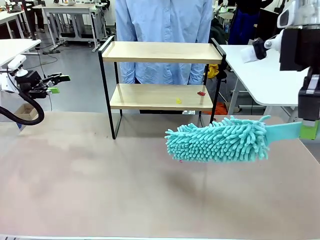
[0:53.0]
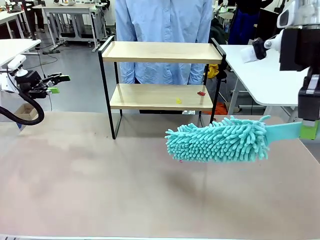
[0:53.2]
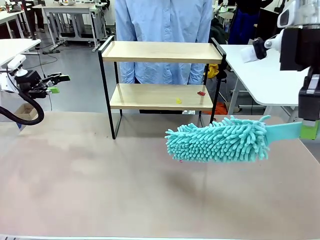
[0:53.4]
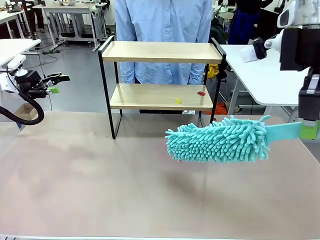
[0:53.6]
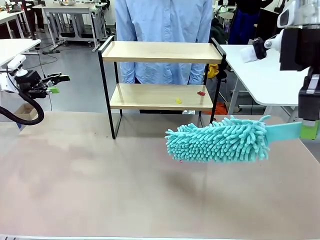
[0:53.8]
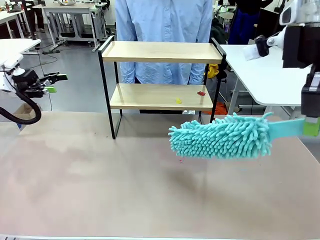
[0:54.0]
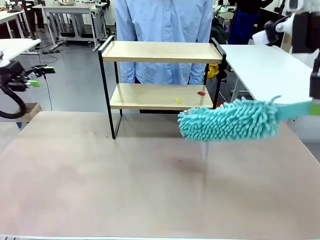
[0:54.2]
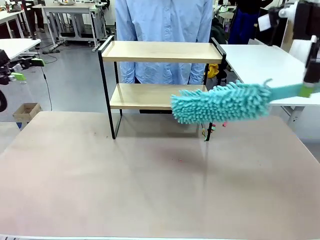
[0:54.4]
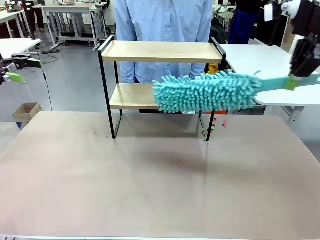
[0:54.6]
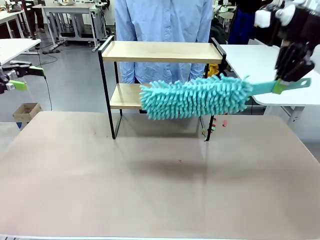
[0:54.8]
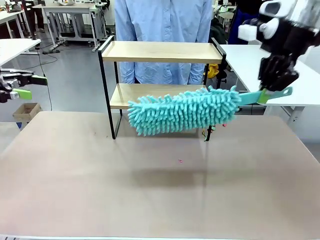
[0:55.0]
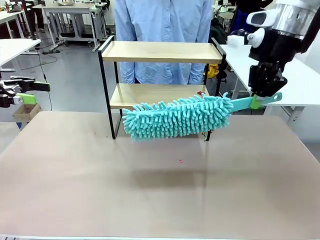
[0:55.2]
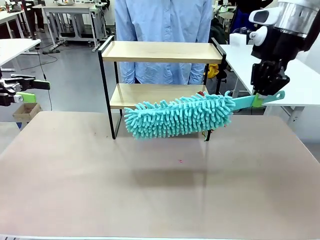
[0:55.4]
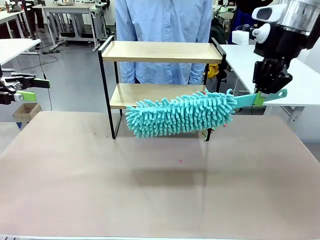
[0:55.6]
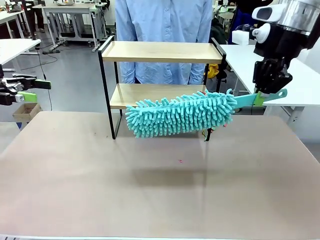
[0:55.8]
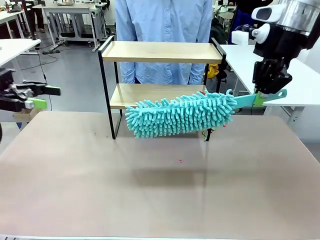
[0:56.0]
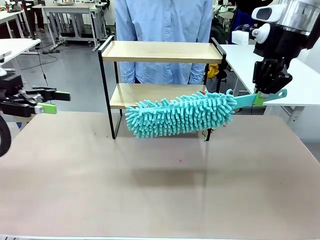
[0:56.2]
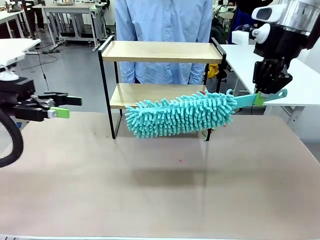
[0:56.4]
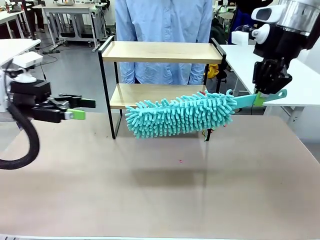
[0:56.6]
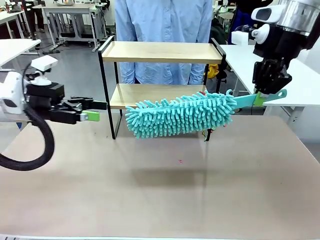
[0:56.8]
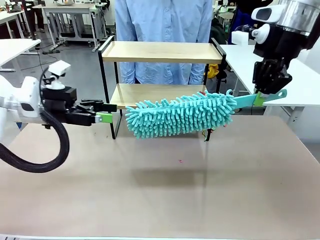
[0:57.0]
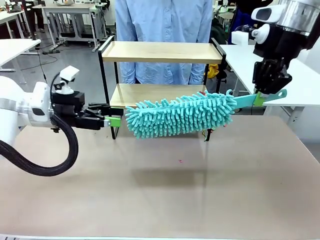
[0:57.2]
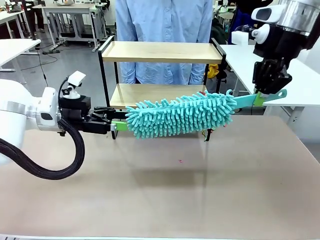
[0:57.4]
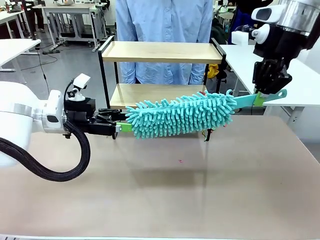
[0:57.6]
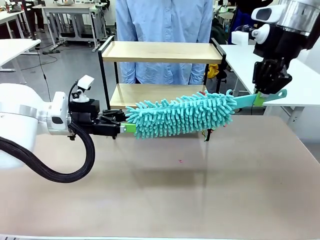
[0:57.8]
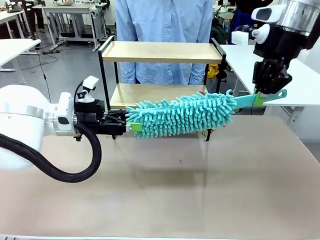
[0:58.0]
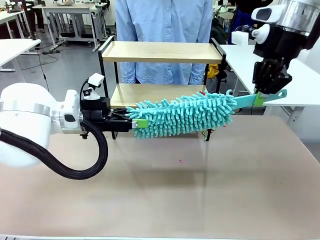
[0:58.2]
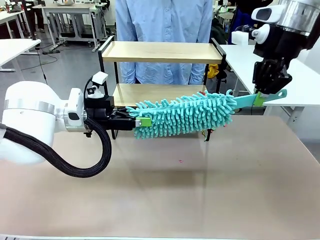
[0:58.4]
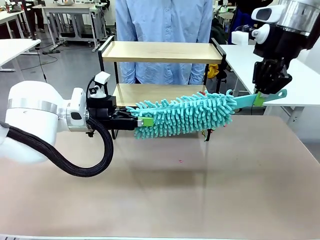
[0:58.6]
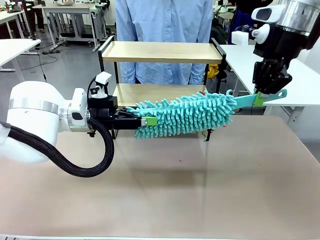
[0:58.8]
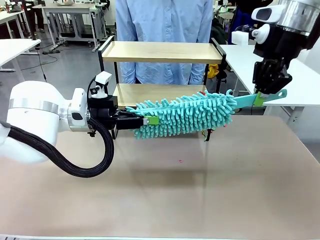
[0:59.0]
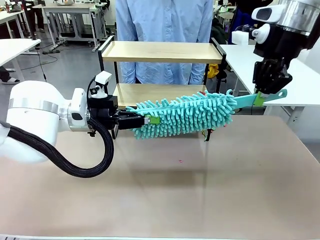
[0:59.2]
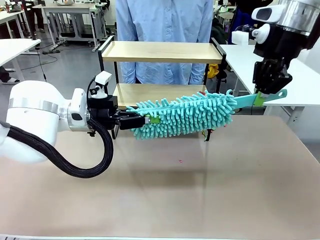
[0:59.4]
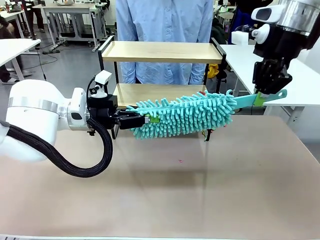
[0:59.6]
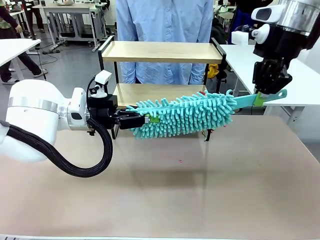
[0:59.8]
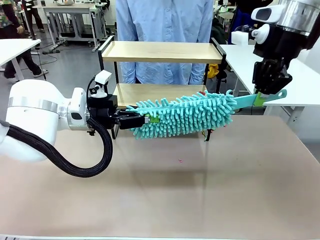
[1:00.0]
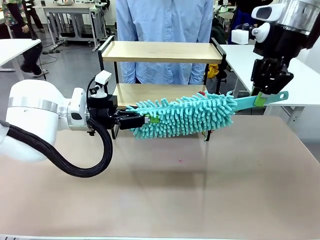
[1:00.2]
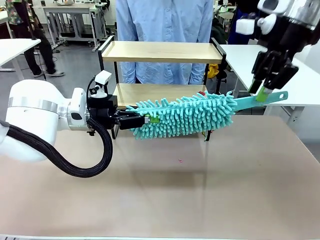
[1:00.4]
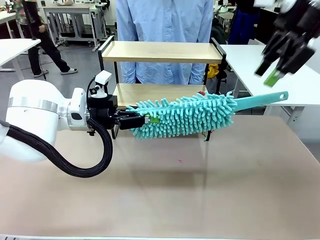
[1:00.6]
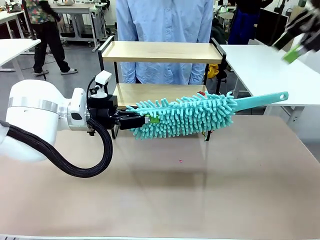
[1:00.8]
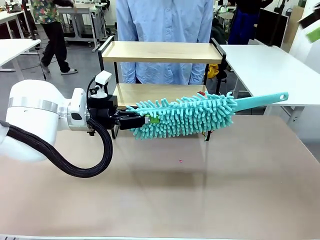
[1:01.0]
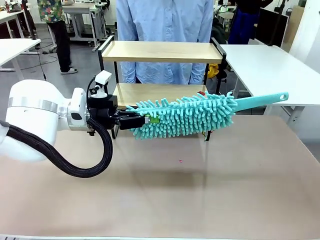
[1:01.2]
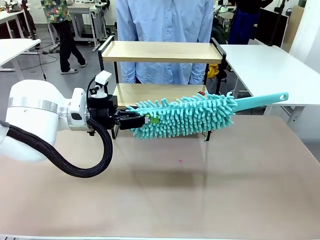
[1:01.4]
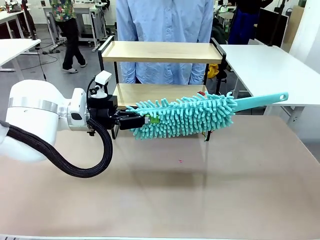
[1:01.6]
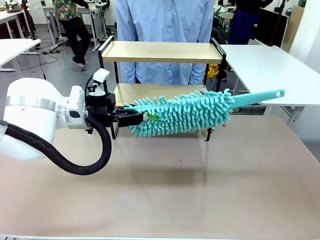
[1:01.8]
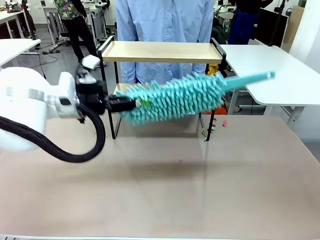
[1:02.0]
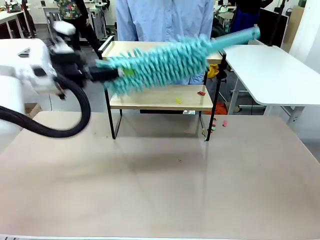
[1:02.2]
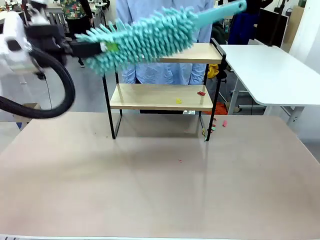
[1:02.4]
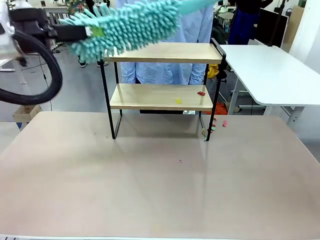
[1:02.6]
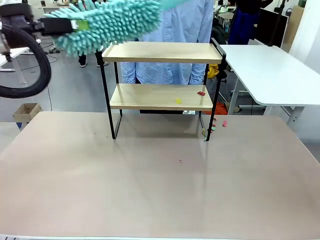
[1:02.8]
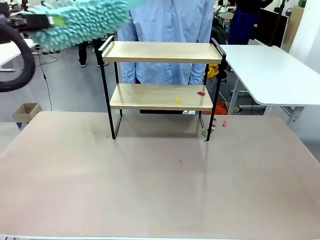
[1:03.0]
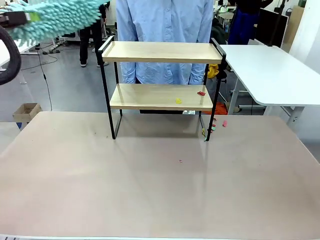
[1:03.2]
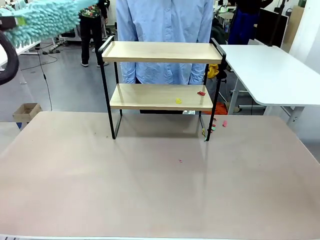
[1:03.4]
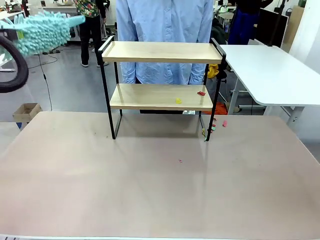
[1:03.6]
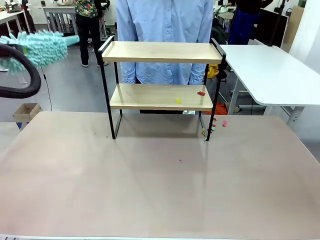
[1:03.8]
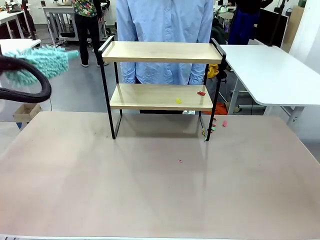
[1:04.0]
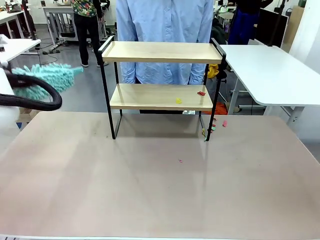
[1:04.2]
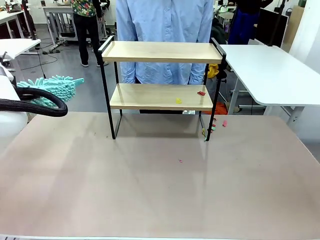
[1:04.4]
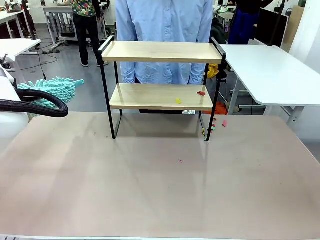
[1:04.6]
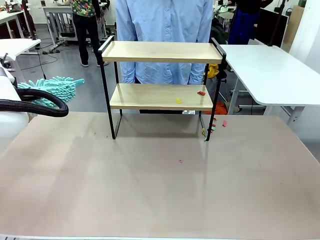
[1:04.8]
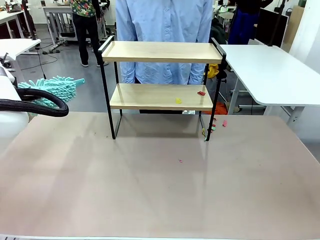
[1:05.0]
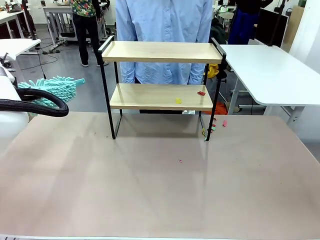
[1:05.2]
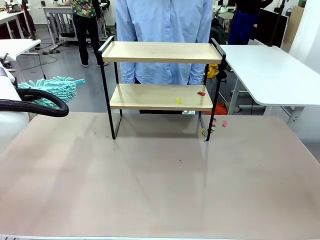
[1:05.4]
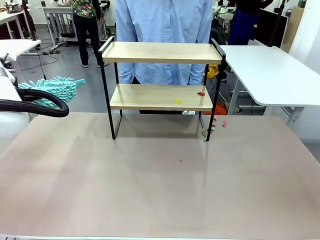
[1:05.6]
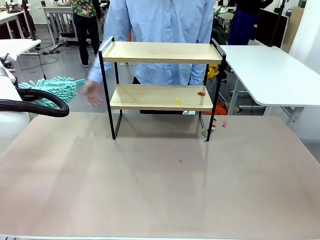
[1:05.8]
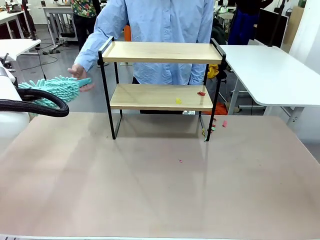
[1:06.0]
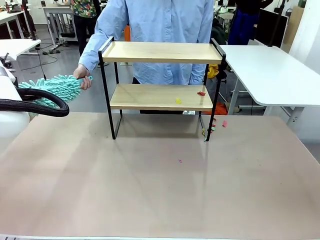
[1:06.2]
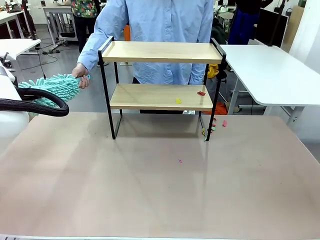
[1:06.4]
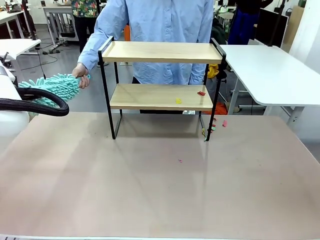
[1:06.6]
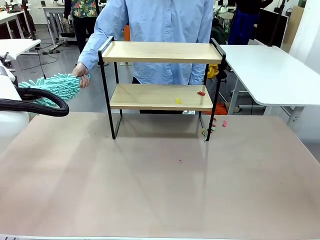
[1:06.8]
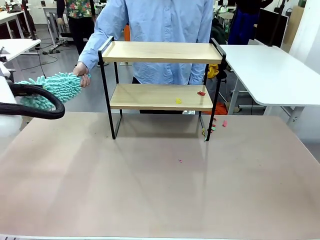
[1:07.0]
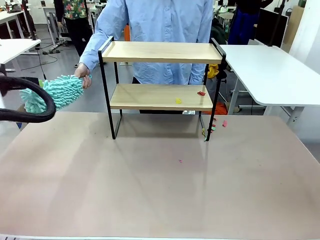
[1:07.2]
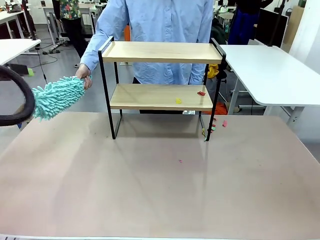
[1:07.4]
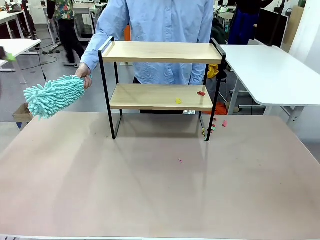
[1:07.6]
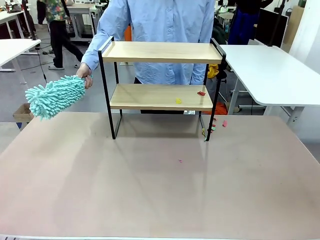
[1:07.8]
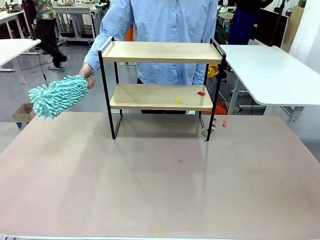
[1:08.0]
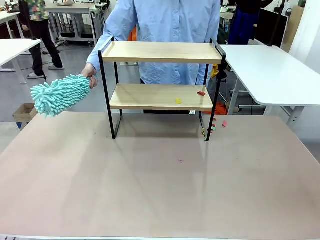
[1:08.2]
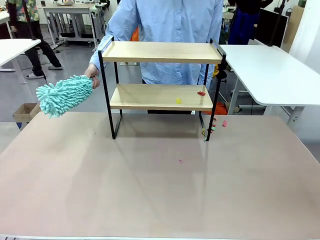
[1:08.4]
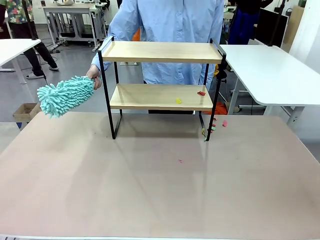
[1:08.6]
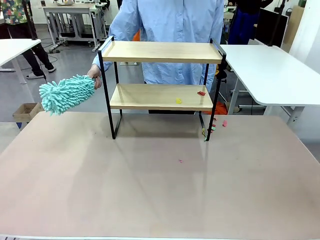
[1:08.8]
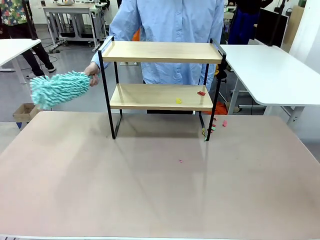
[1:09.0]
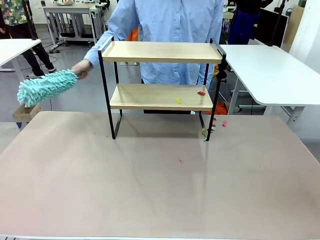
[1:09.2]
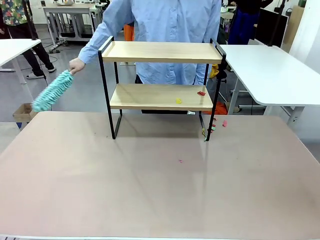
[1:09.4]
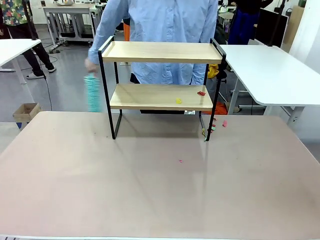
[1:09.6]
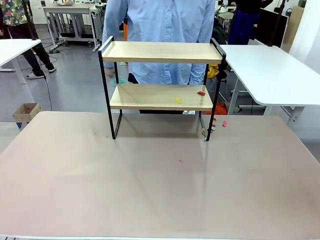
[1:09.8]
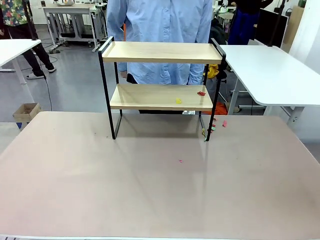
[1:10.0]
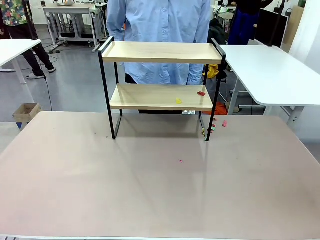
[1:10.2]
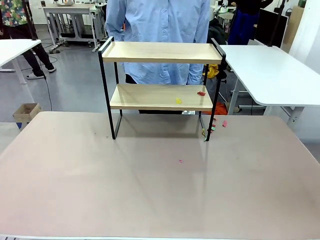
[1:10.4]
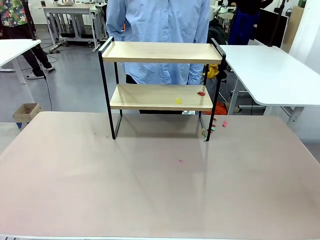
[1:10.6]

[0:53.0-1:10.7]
Task: Clean the shelf.
Robot: Hand the Duster back to the human.
Person: Receive the Duster from the robot.

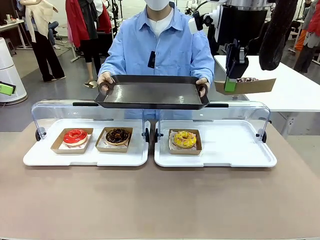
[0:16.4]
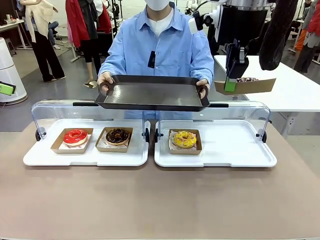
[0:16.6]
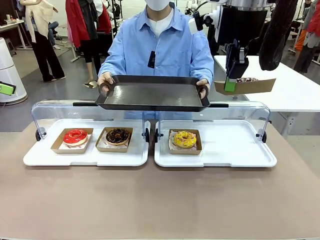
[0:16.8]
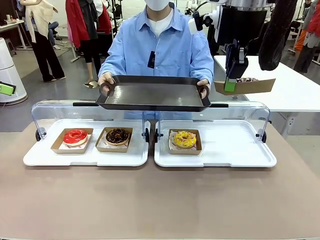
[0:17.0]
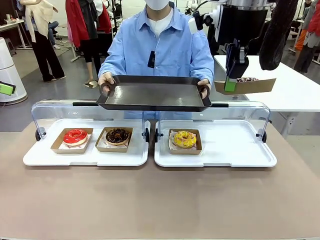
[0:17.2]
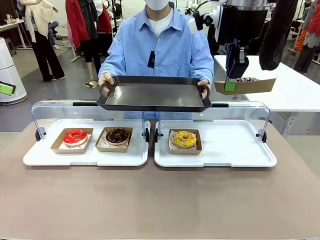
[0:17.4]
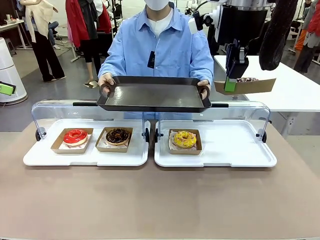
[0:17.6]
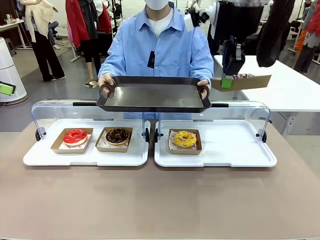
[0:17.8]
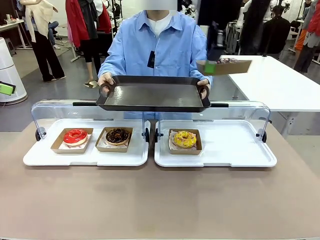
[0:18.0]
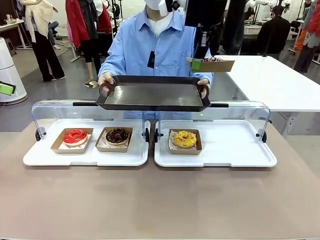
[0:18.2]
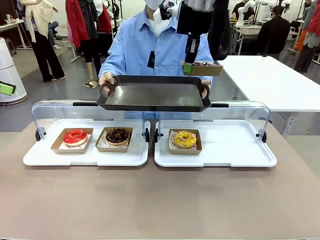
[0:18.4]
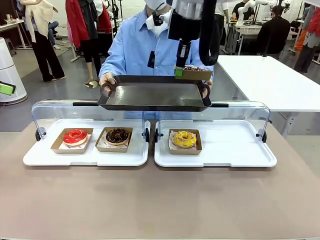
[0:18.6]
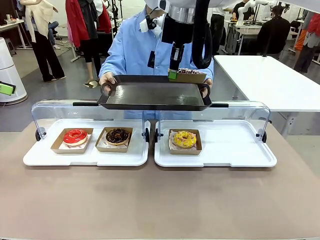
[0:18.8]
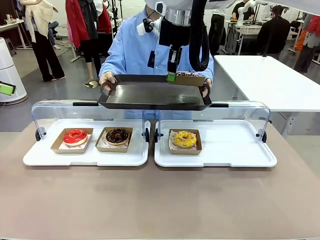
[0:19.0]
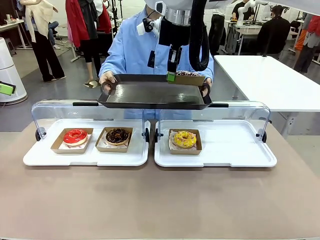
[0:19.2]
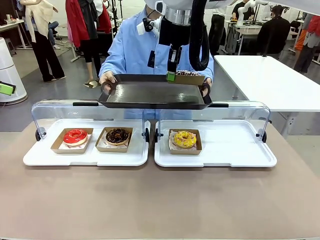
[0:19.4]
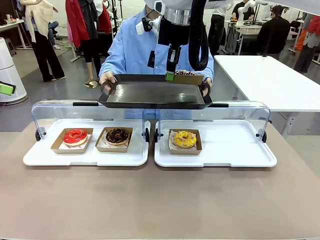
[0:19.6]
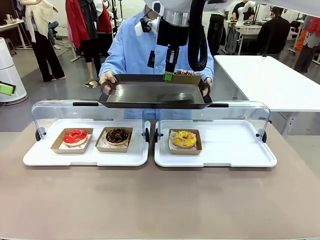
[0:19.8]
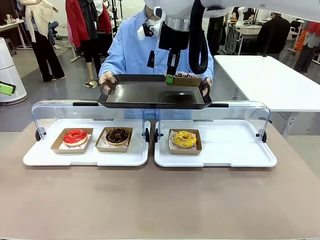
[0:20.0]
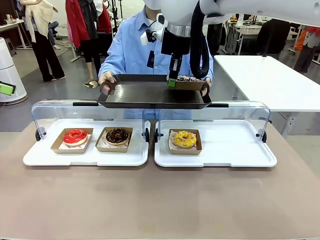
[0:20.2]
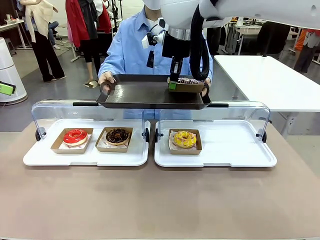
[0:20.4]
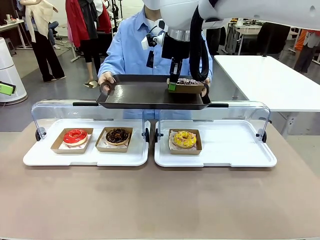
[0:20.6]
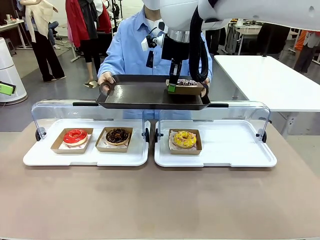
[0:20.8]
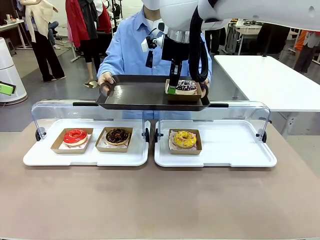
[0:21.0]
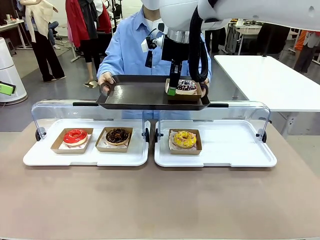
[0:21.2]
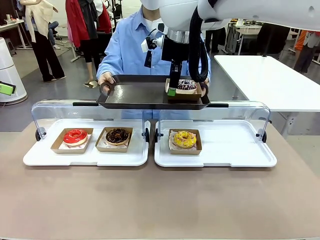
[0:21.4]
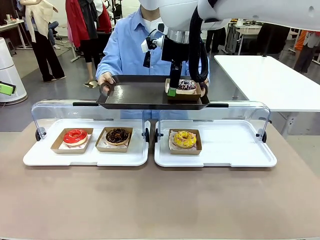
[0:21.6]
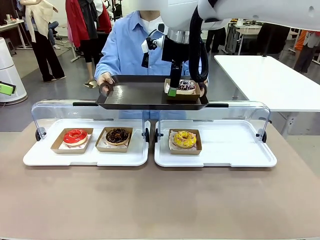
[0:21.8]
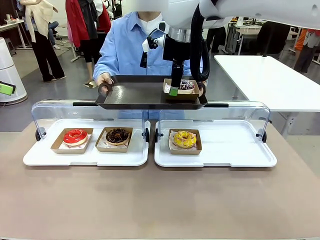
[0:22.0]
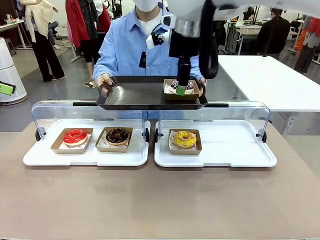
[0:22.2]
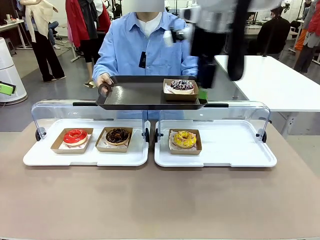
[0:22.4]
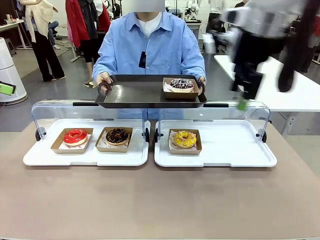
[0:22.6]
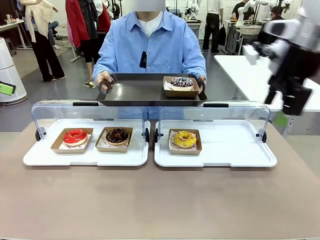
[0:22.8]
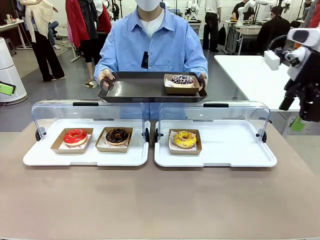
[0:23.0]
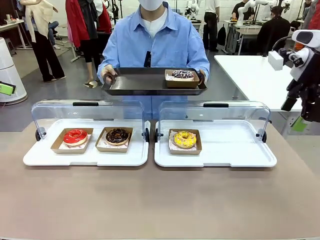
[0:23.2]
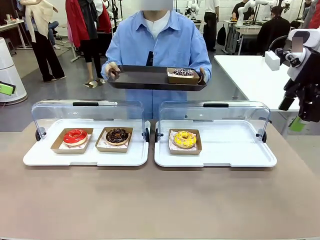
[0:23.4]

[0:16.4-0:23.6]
Task: Provide the desired donut to the person.
Robot: Place the picked Paper togo box onto the Handle tray extended by the person.
